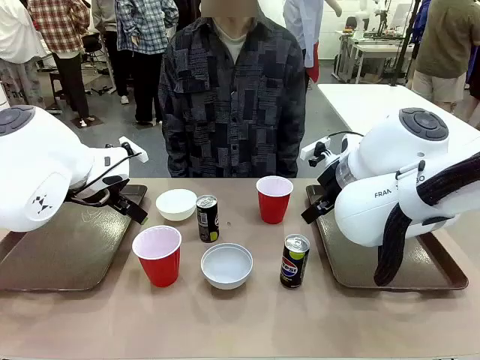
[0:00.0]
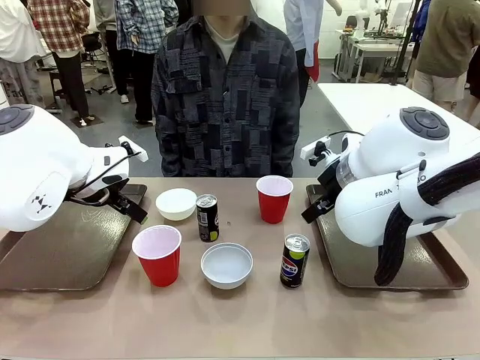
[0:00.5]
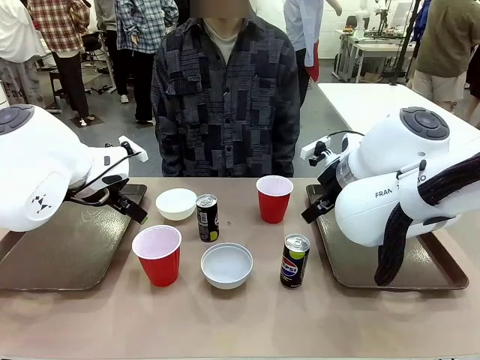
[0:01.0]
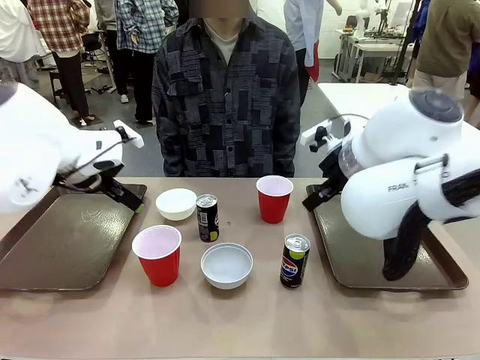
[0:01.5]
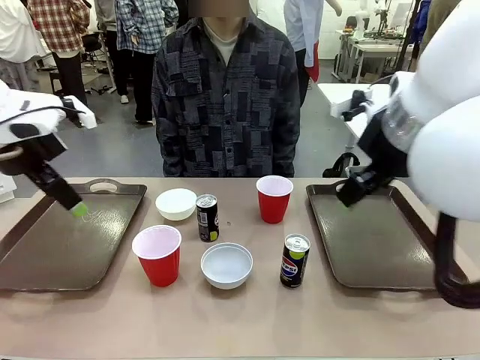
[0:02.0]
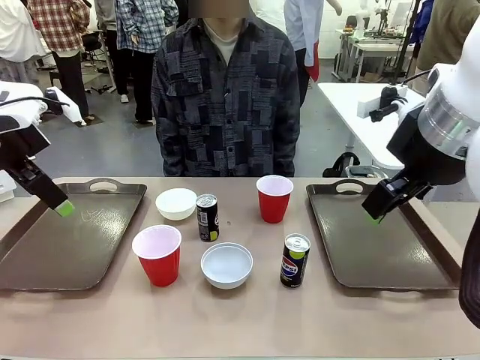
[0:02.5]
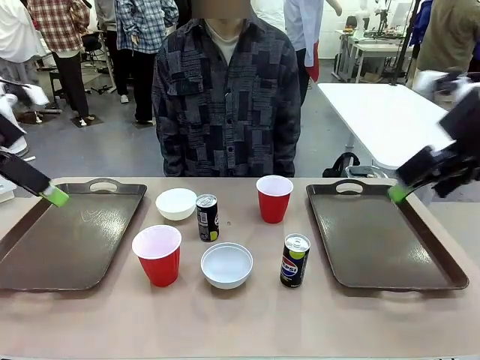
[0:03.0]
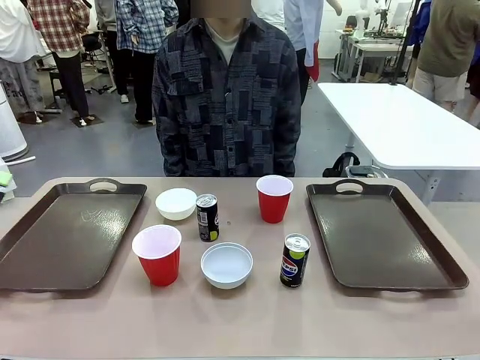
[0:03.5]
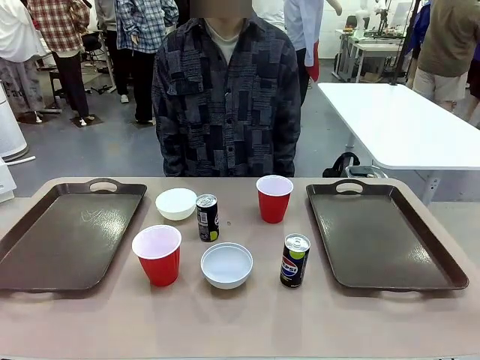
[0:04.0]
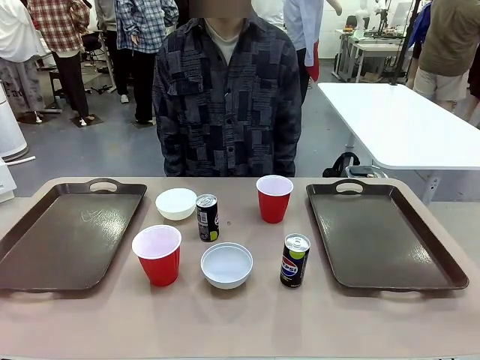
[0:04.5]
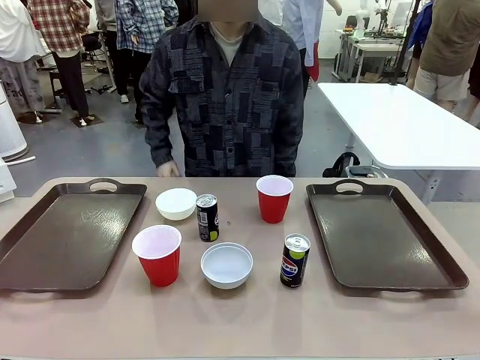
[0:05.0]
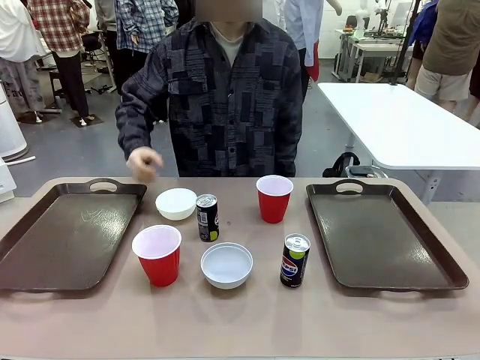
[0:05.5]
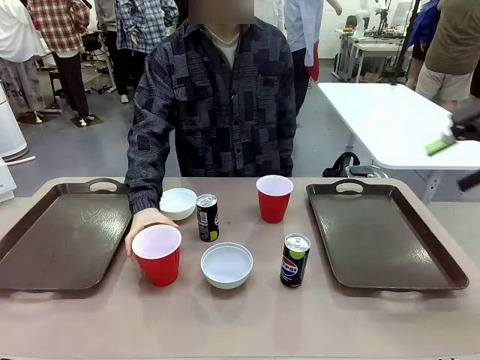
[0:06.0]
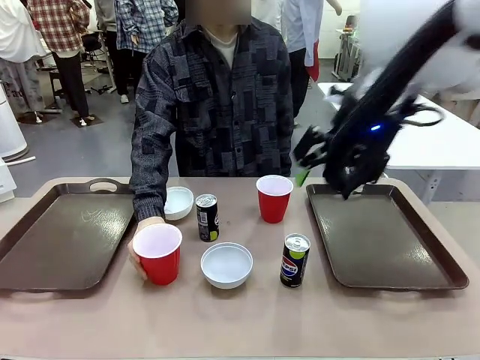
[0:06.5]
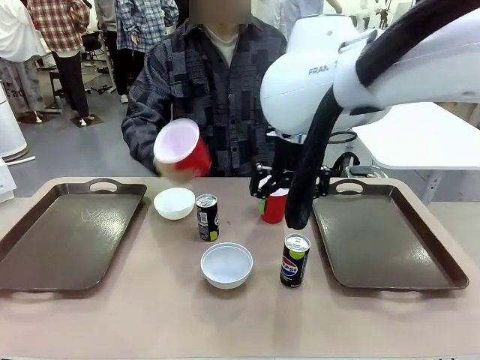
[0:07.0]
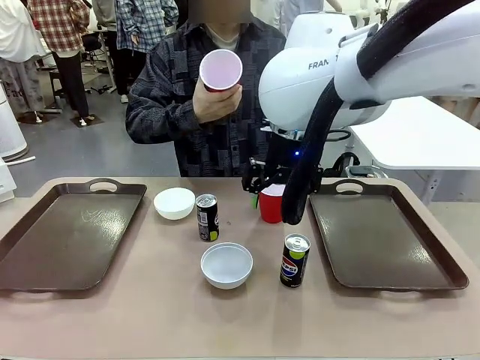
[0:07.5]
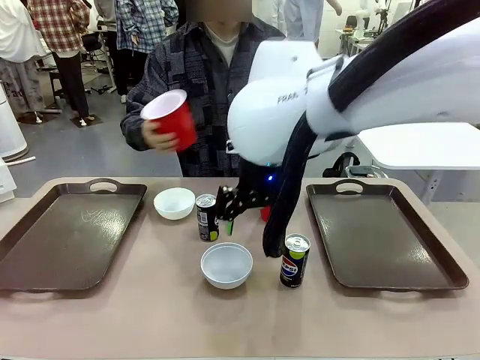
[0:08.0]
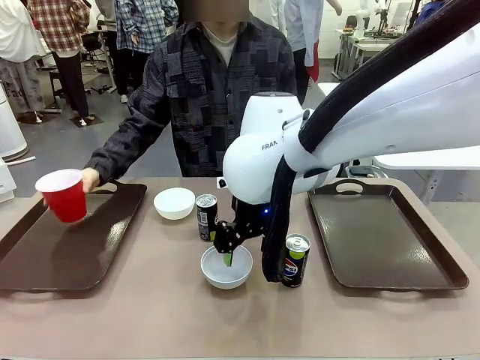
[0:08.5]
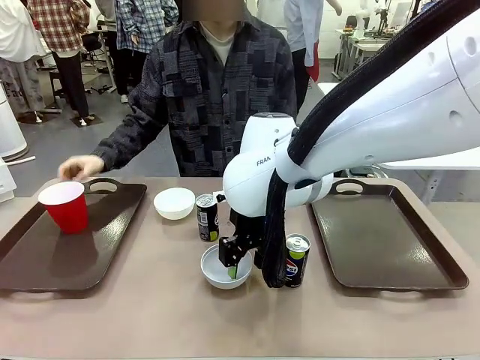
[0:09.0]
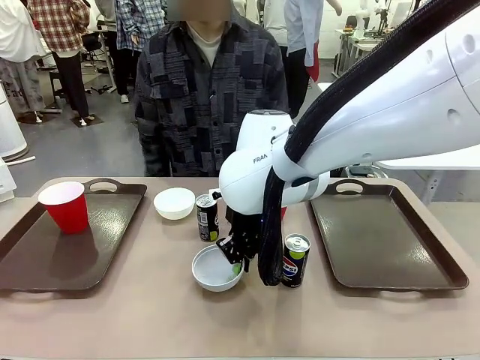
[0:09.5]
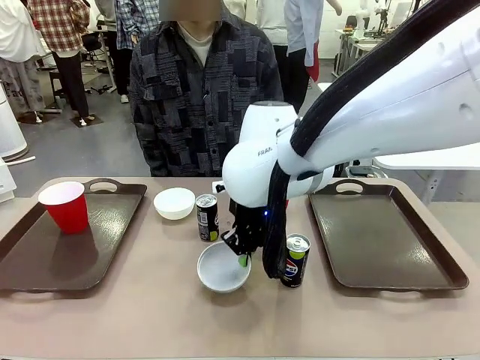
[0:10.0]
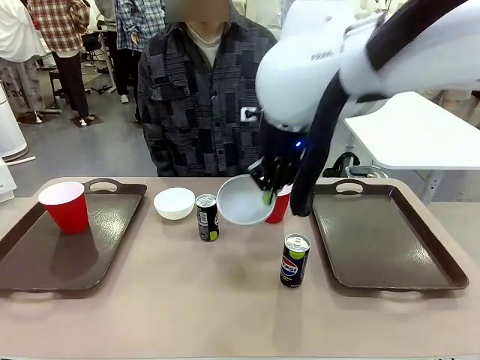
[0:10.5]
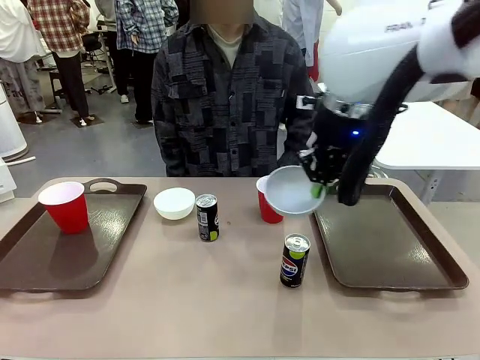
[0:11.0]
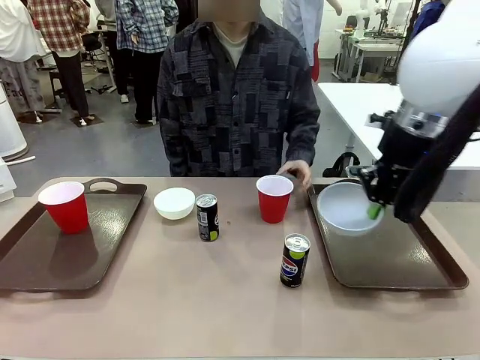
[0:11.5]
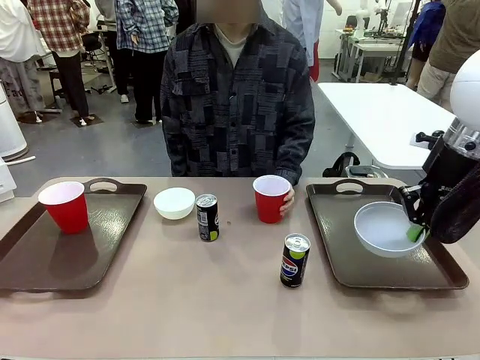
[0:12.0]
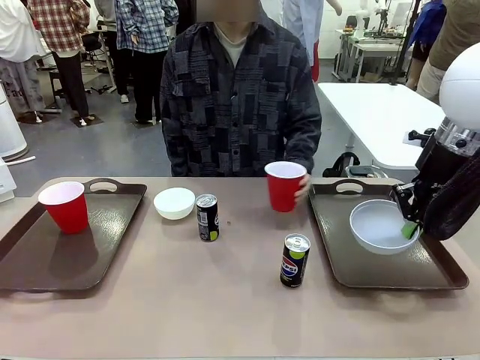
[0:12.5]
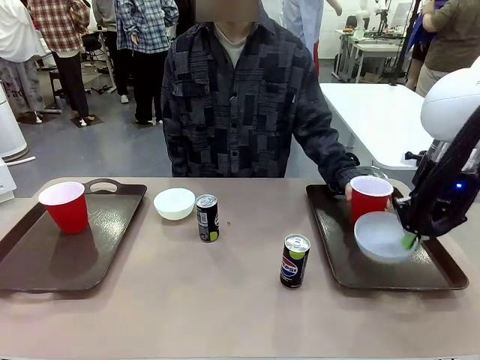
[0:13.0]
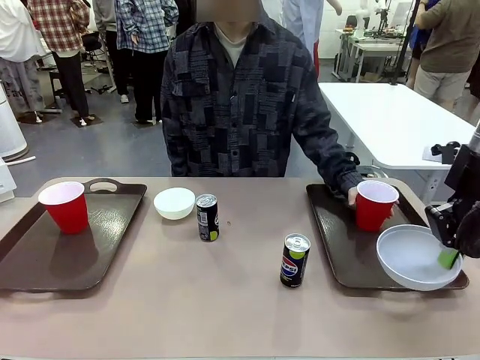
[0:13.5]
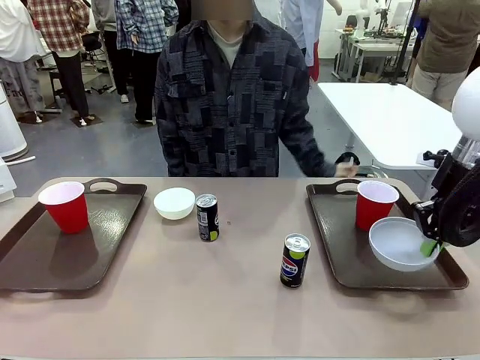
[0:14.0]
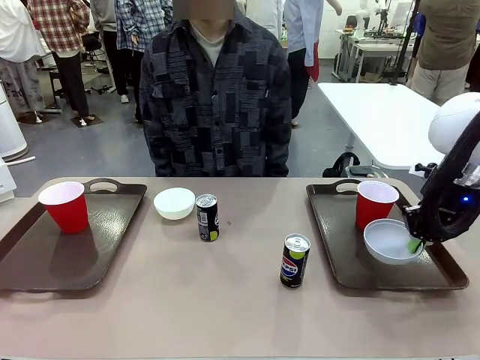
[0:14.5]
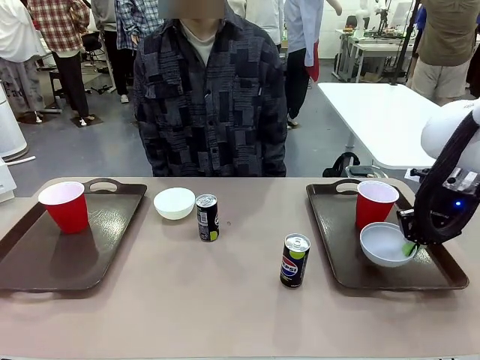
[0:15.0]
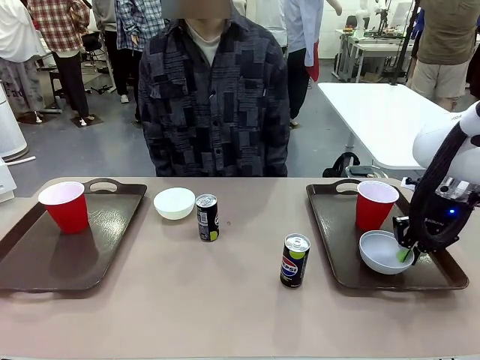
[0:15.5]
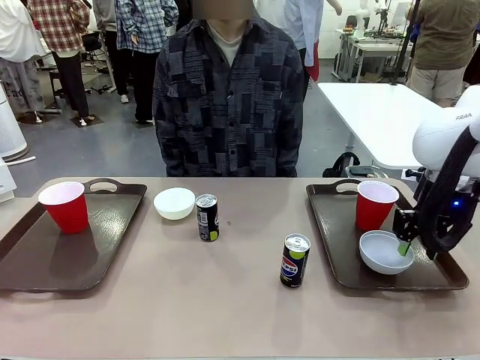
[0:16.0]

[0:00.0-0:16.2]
Task: Prepare tableware on both trays.
Robot: Pick up a Picnic Bowl from the table and place it on a Handle tray.
Person: Pick up a can or cup and place it on the tray.

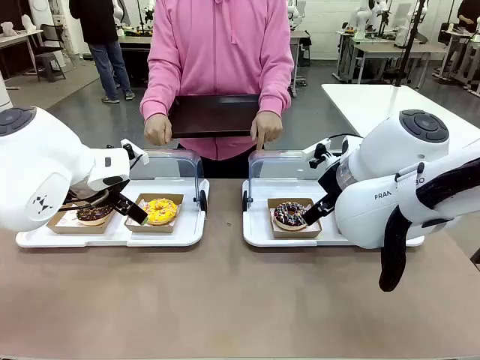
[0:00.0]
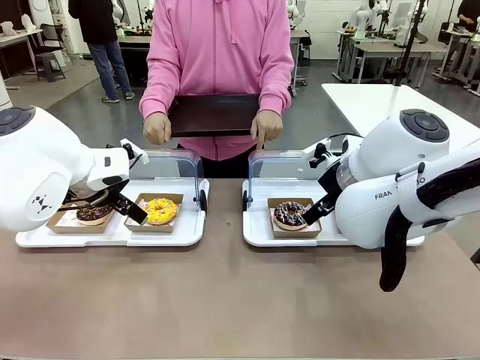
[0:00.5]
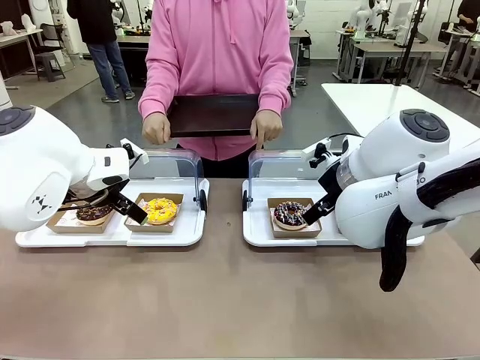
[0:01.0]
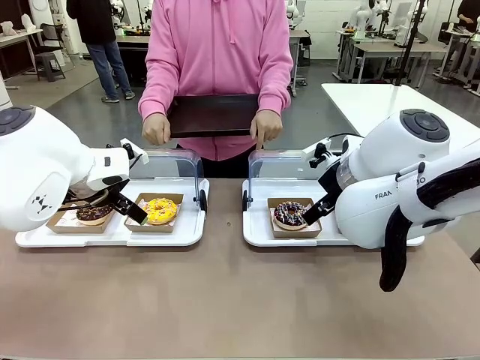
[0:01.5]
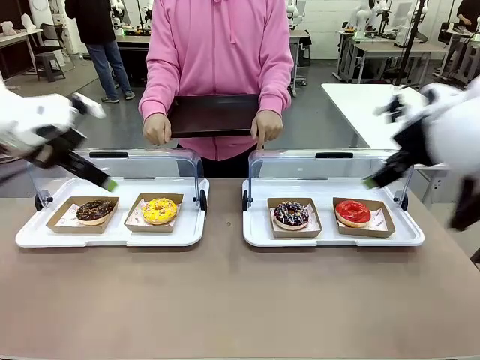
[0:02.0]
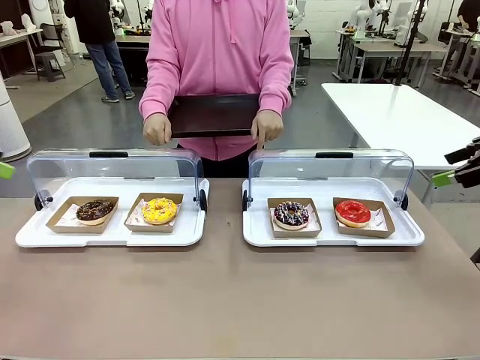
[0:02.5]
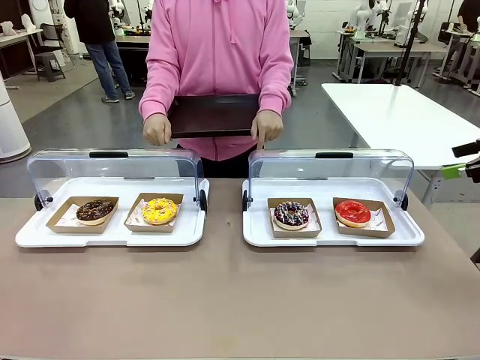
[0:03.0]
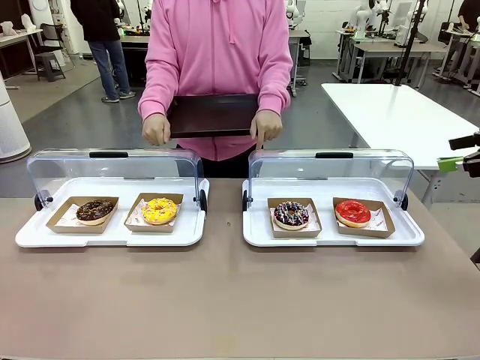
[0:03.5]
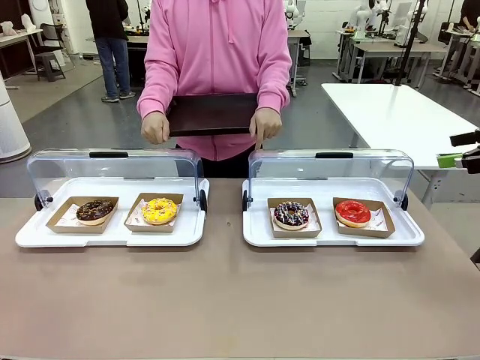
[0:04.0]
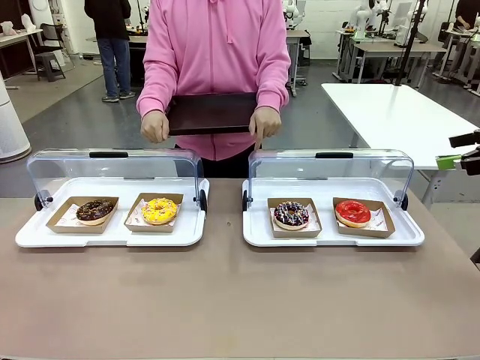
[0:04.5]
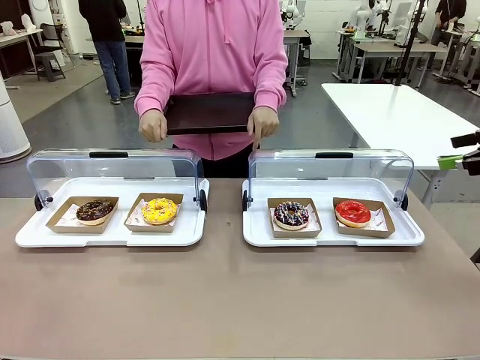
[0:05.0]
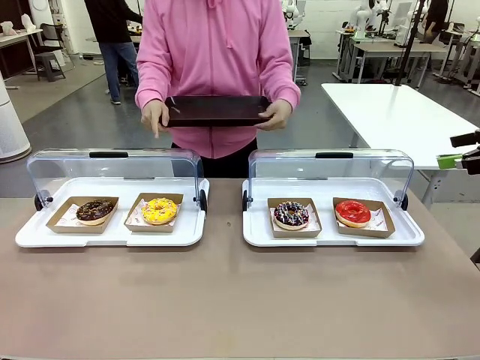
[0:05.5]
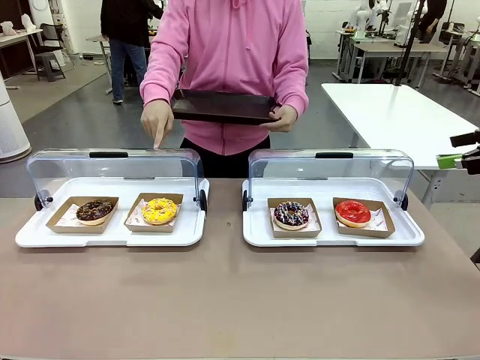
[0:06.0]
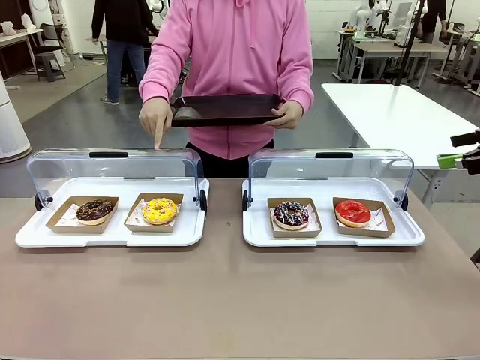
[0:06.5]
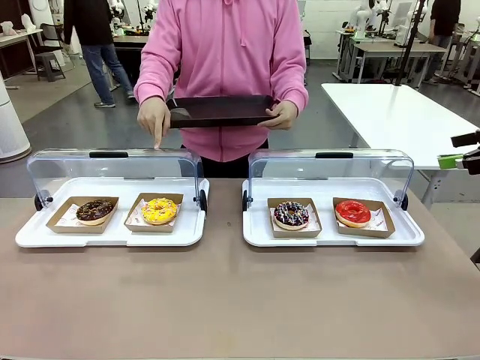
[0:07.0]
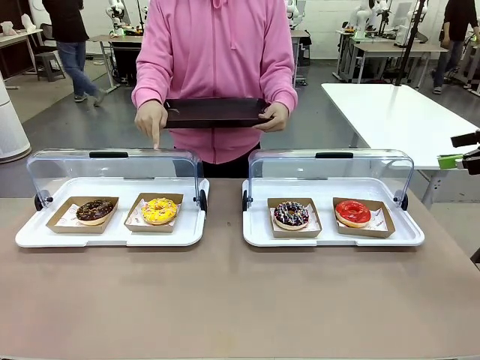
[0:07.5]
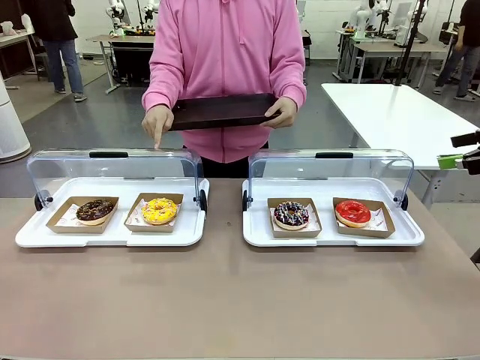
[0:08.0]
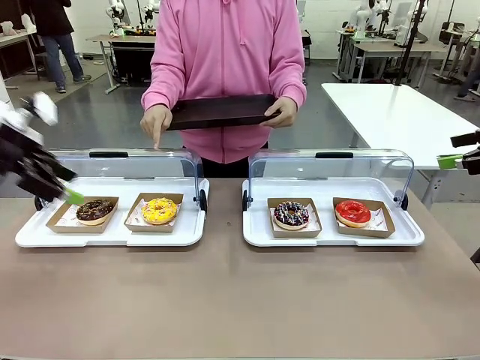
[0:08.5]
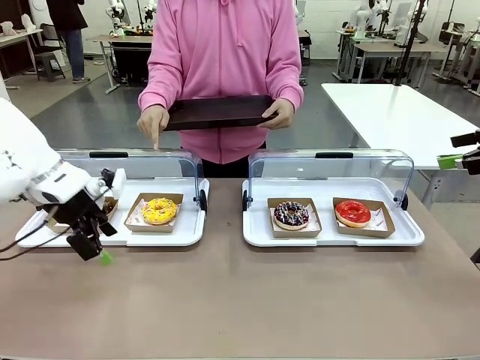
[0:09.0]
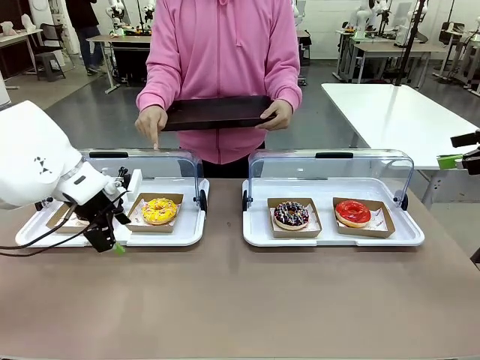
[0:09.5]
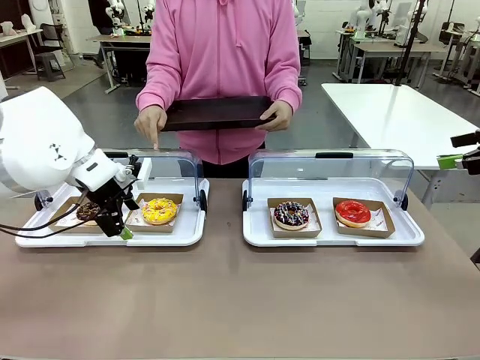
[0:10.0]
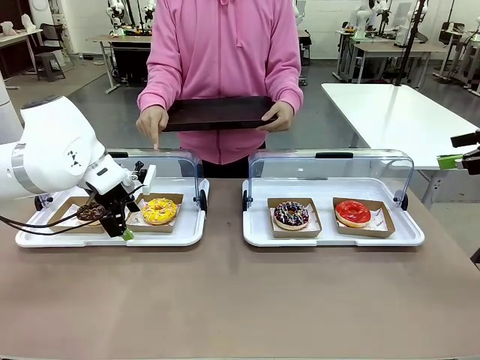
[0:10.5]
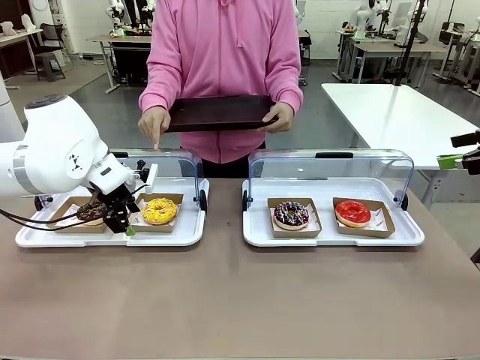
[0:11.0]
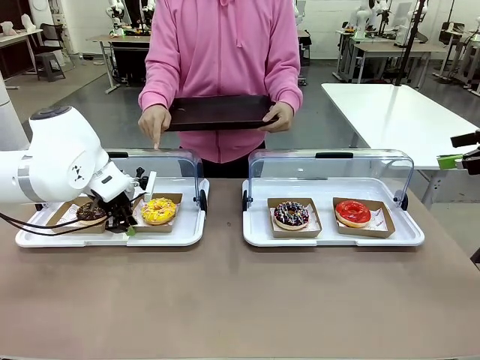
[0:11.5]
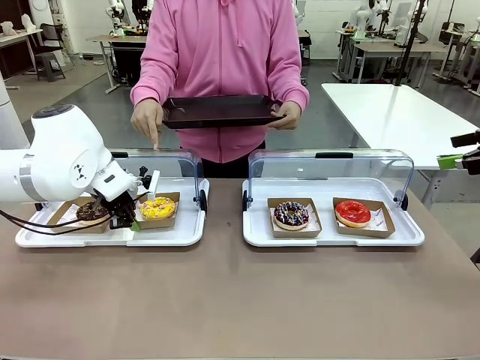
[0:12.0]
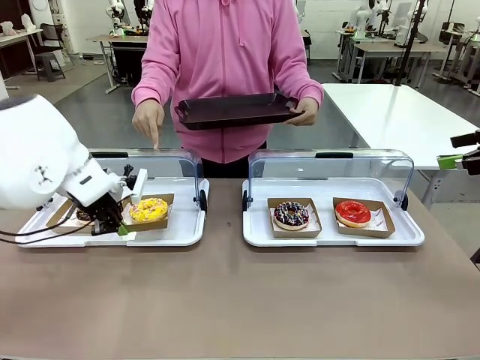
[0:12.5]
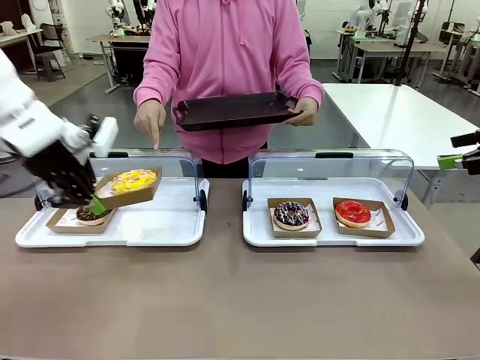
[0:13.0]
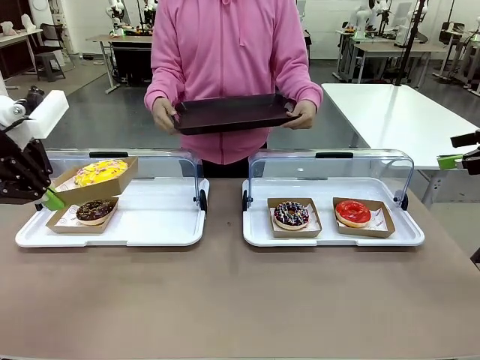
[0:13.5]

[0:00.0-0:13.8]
Task: Provide the desired donut to the person.
Robot: Pick up and lift the Paper togo box containing the Donut pointed at by the person.
Person: Point to one donut. Lift the tray onto the Roll-Top Bakery Case.
